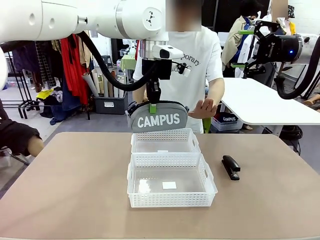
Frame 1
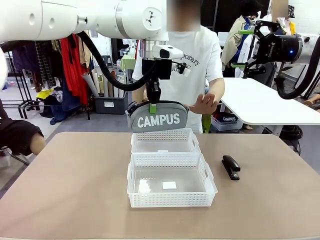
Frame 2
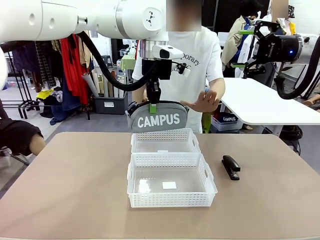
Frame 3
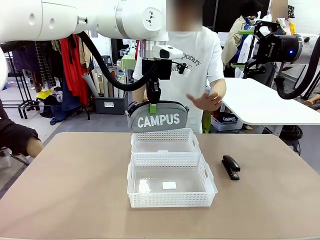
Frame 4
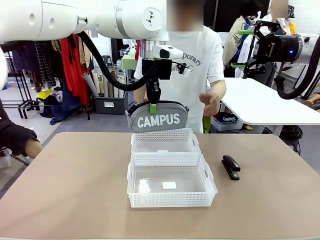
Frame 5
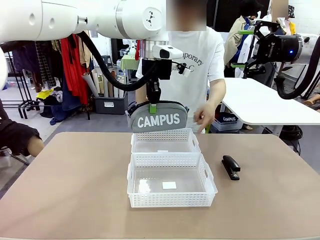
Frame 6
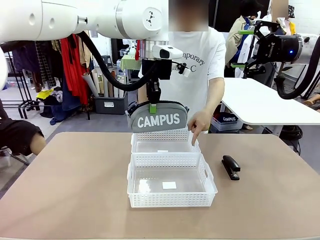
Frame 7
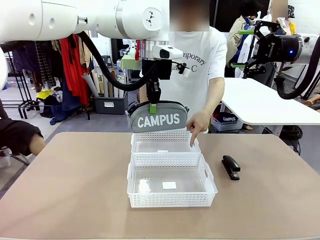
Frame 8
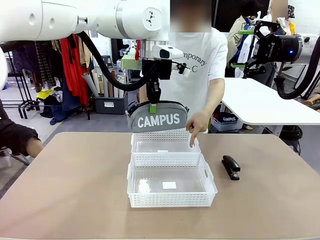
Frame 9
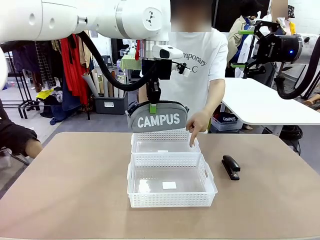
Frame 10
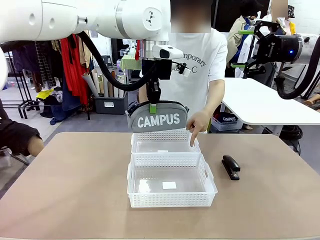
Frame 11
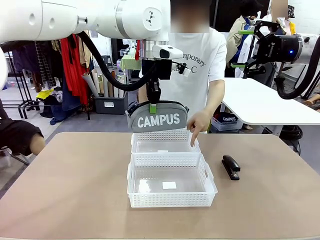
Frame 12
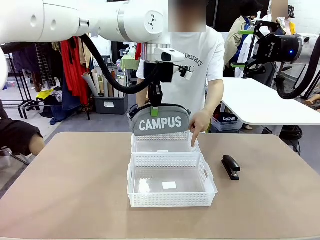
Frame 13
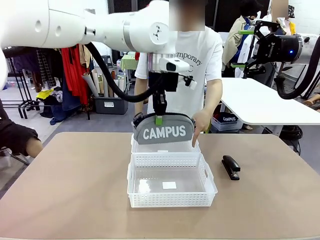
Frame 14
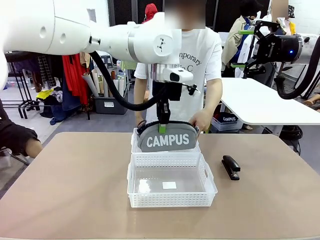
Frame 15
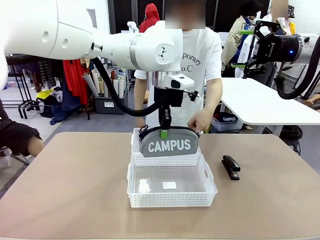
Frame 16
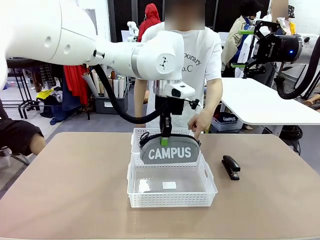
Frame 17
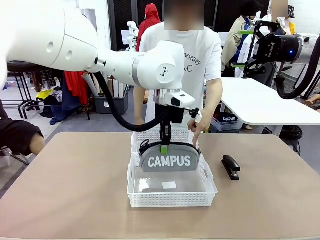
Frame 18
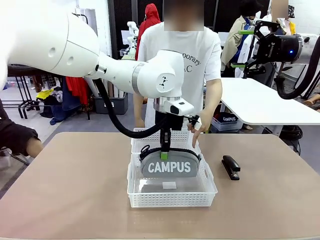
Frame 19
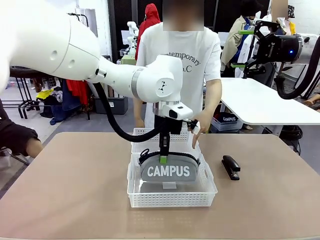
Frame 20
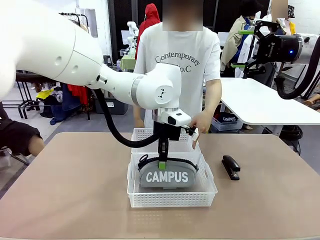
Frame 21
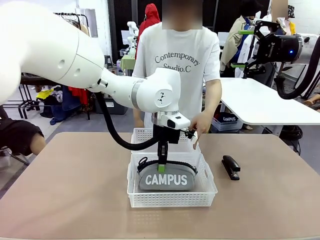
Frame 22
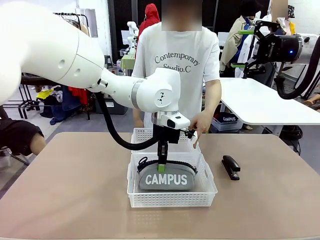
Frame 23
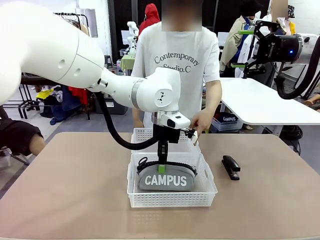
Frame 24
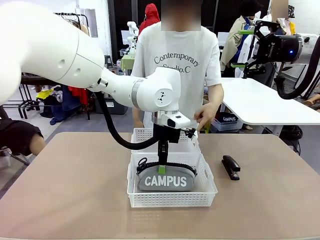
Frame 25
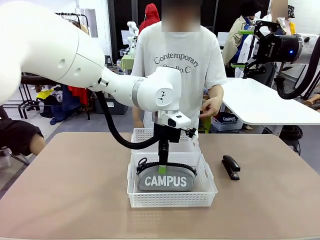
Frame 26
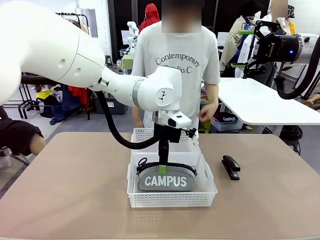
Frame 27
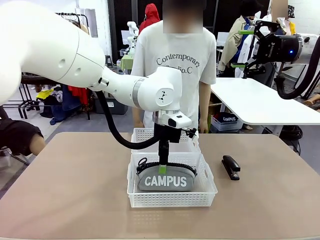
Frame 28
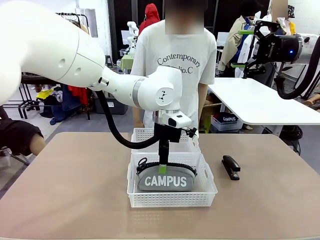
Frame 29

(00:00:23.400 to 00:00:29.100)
Task: Distribute items into two baskets.
Robot: Place the picked Pencil pouch into the Organizing basket as instructed by the person.
Person: Instructs the robot to place the pencil case into the opposite basket.

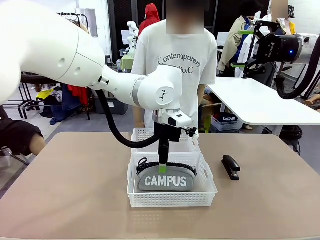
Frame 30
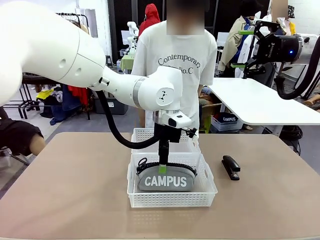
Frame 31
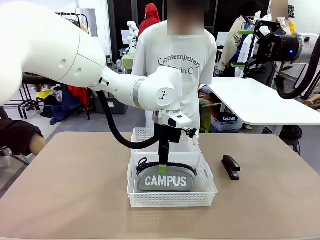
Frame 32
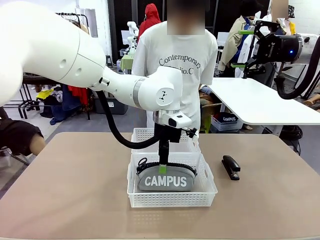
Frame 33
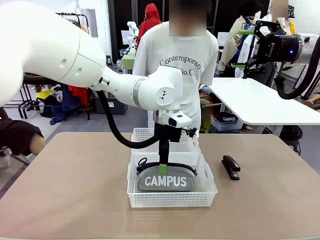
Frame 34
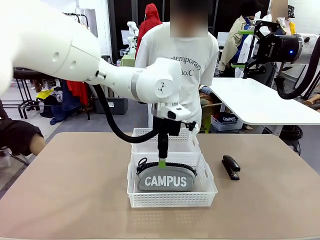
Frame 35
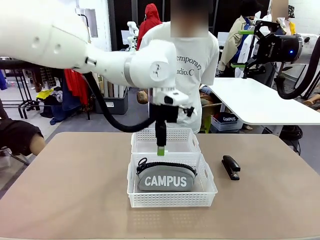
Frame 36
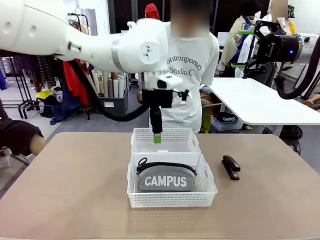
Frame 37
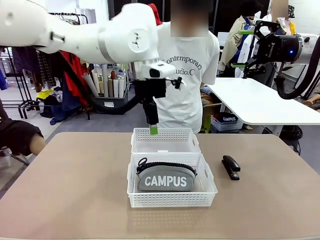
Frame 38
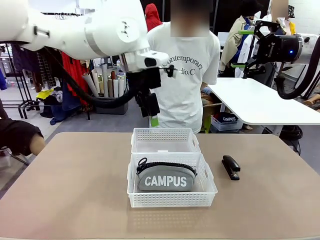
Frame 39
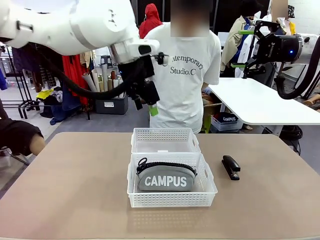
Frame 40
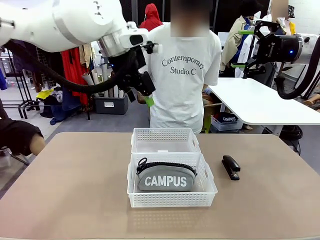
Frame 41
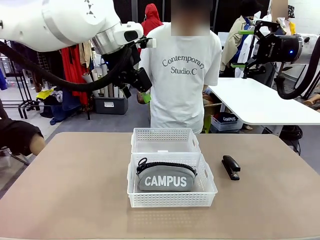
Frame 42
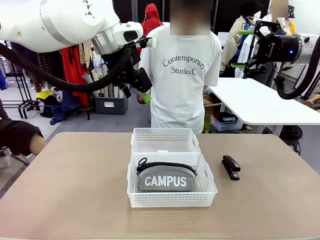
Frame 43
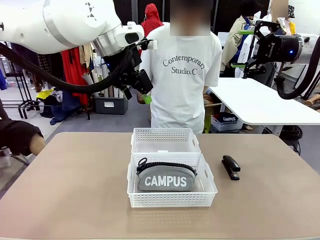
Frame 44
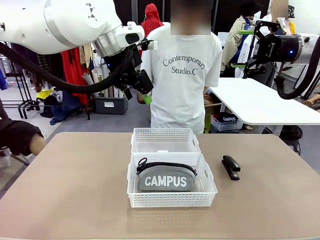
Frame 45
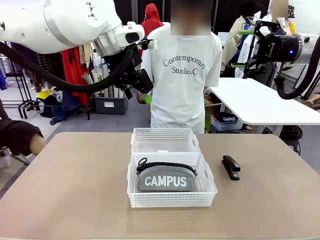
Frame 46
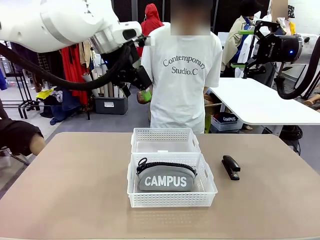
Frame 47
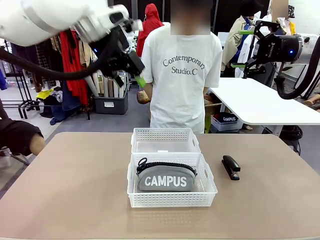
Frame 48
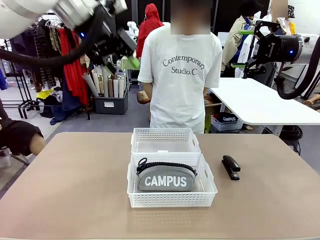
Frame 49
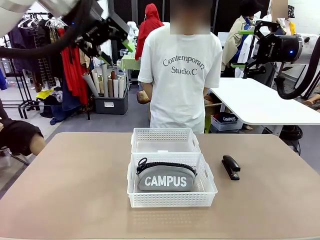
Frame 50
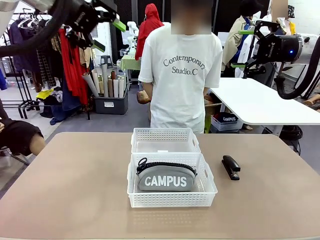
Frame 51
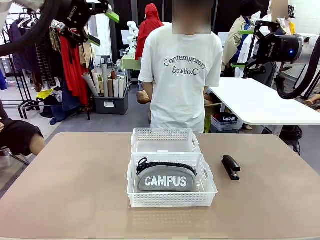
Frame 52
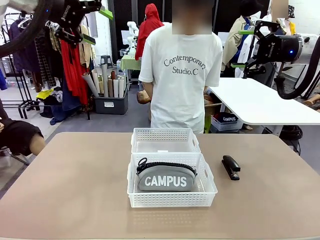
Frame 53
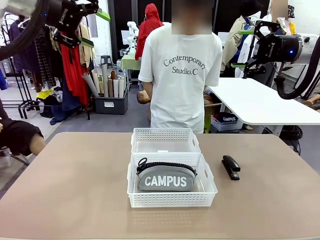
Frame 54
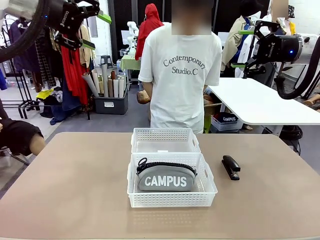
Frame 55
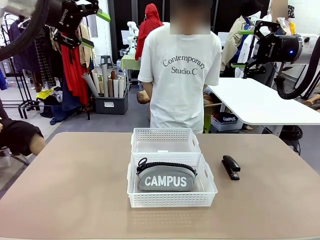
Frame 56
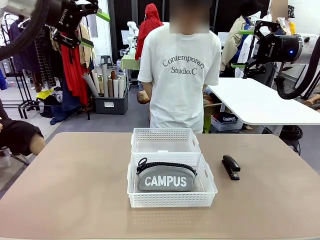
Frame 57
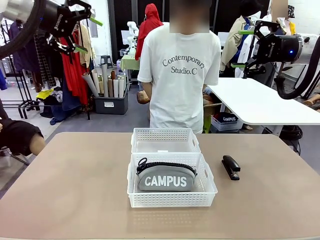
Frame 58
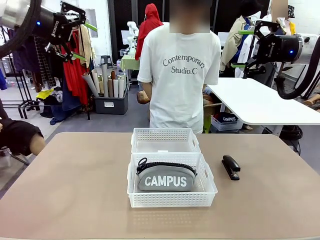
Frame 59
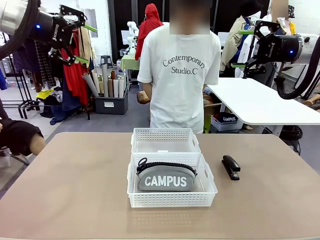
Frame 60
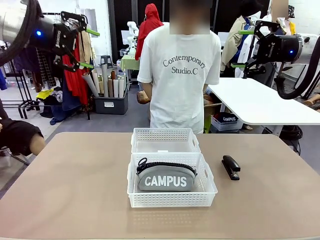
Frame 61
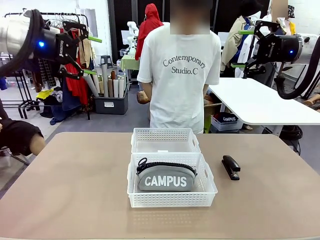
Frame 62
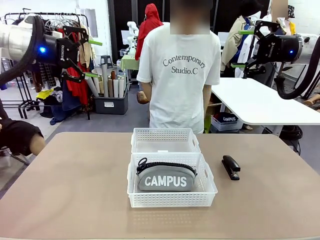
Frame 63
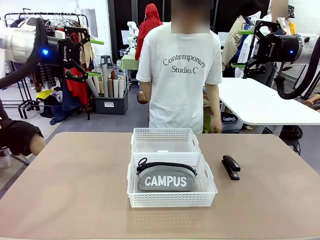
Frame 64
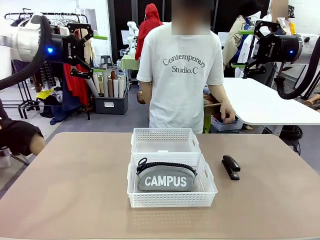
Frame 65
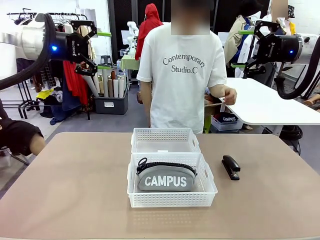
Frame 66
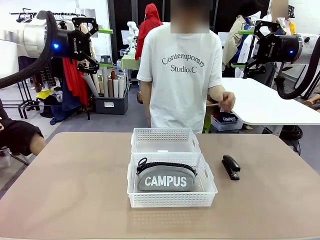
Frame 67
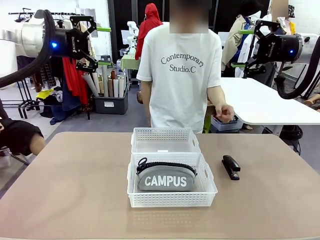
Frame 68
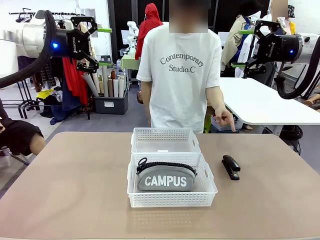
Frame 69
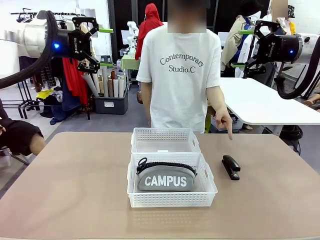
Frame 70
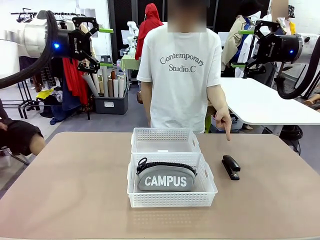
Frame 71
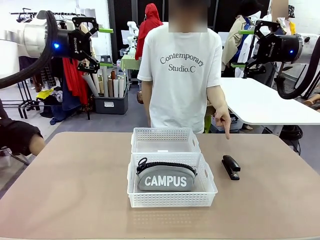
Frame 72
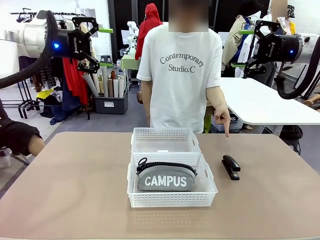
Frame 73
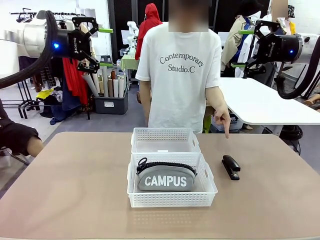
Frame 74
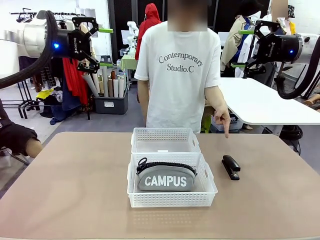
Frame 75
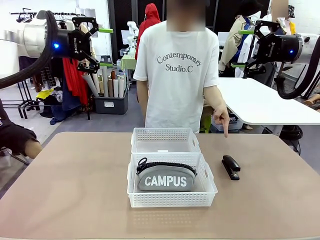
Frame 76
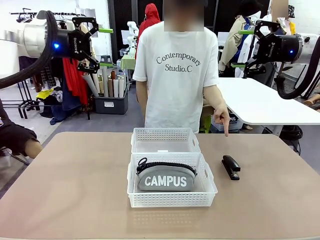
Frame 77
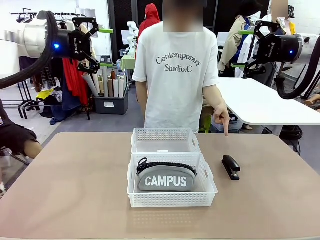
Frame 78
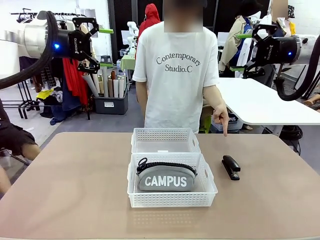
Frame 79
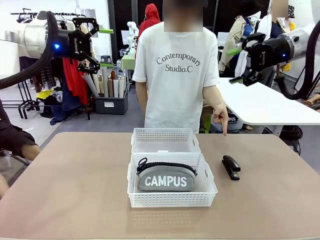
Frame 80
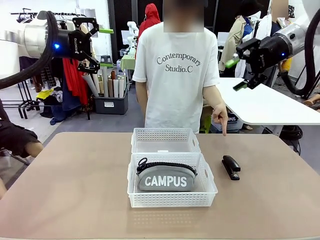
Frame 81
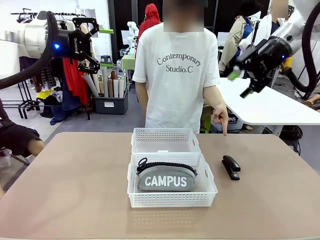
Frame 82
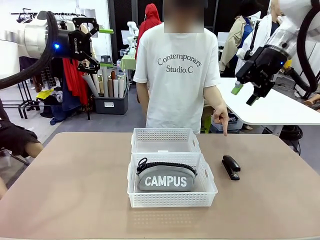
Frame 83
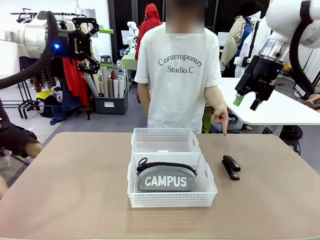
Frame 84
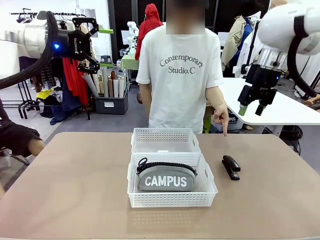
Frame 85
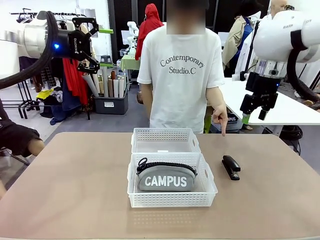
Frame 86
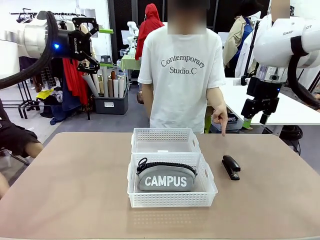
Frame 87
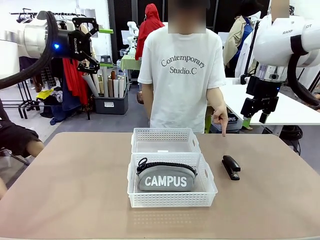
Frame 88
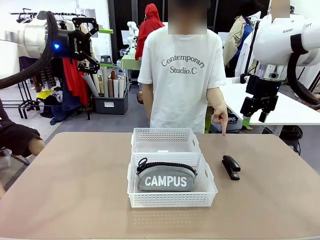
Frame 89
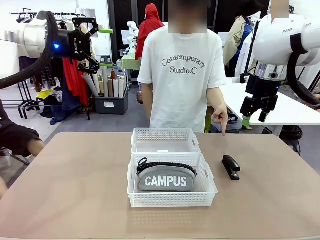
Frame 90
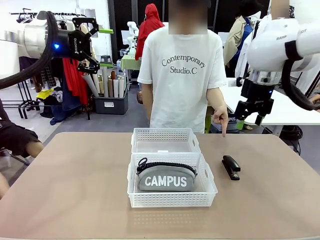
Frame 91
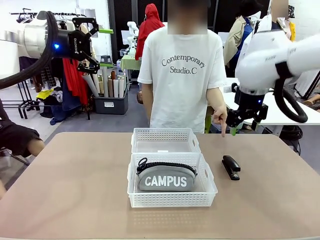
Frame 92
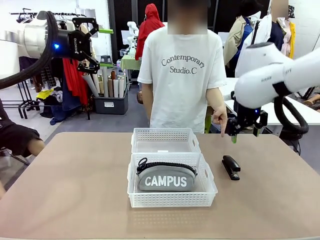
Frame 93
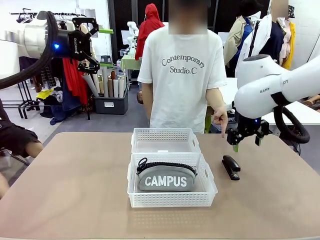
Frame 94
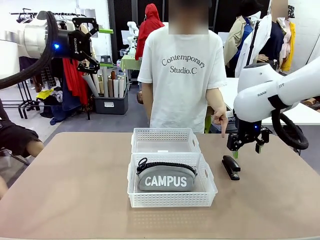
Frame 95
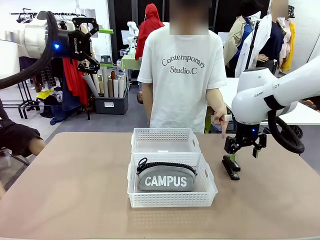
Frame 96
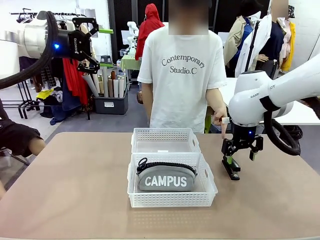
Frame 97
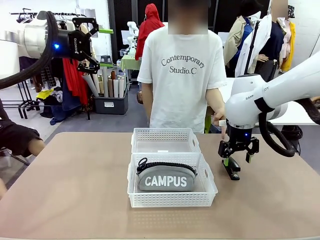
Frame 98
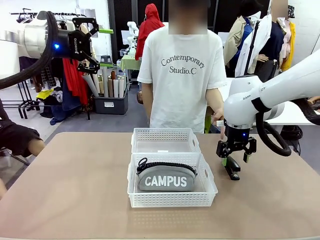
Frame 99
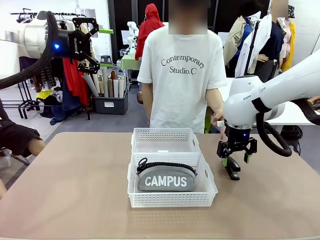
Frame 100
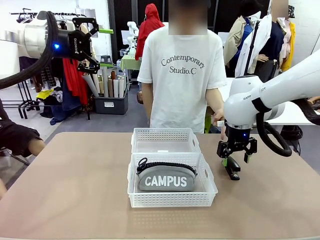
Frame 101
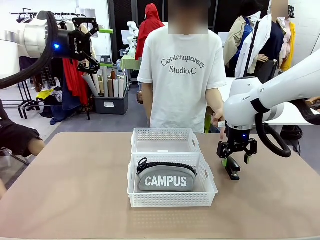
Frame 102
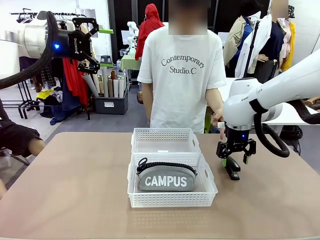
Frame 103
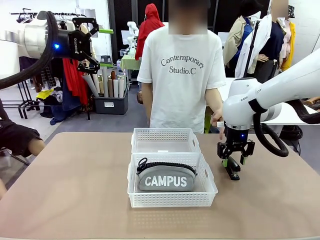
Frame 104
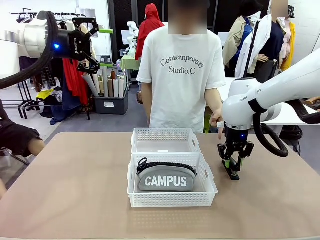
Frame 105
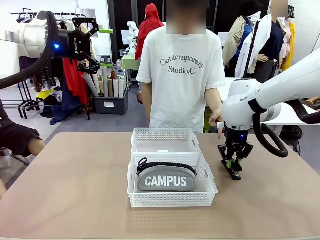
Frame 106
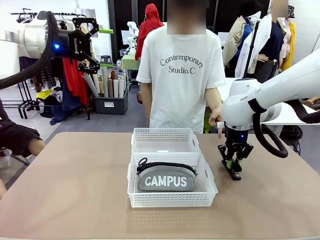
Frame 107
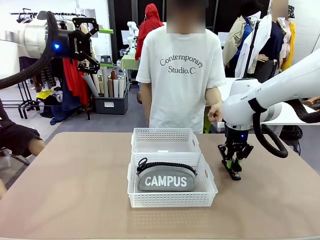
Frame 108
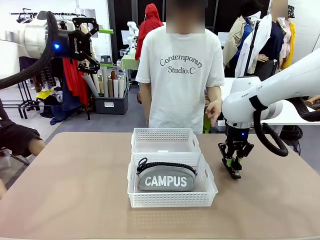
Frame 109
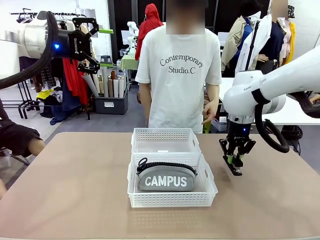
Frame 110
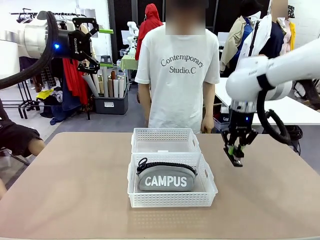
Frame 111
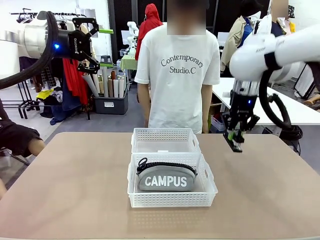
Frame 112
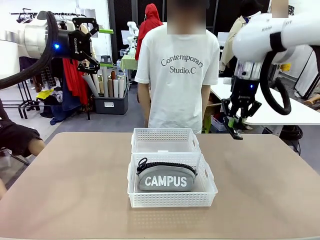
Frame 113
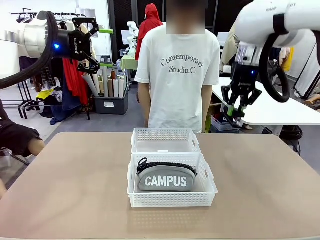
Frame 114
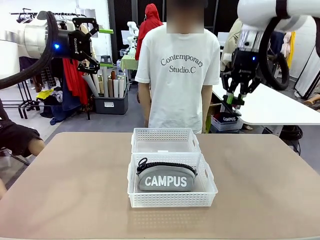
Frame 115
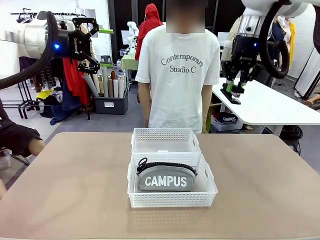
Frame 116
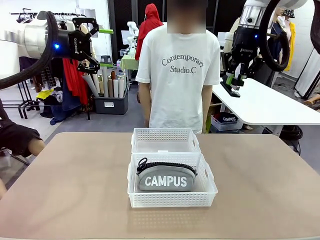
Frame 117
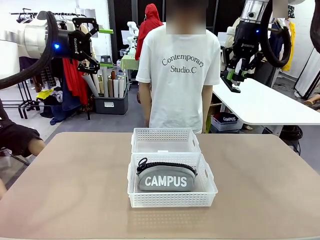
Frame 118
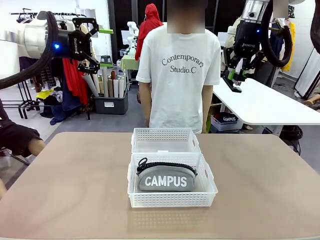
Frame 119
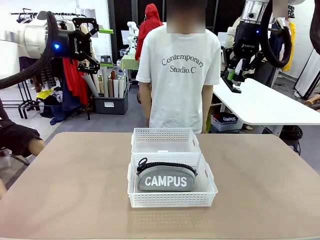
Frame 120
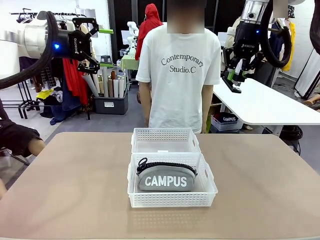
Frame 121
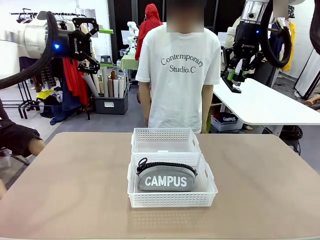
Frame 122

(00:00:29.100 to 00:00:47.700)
Robot: Pick up the Stapler that the person points to.
Person: Points to the stapler.
